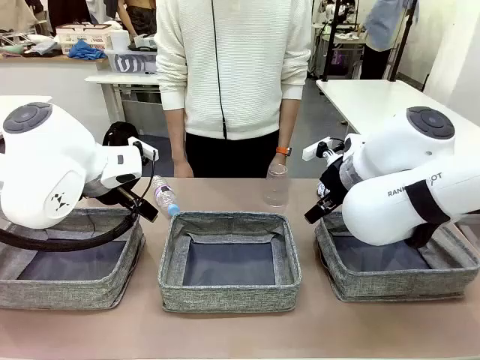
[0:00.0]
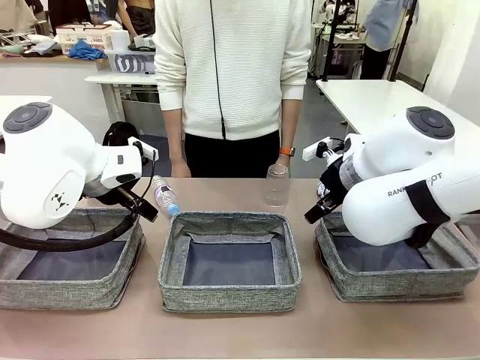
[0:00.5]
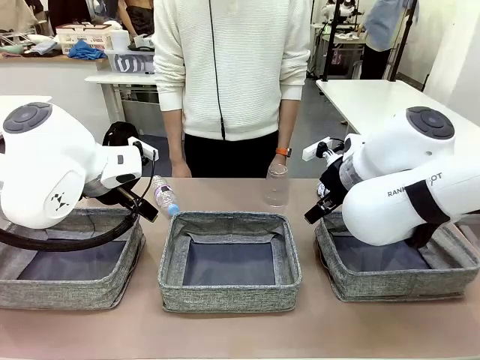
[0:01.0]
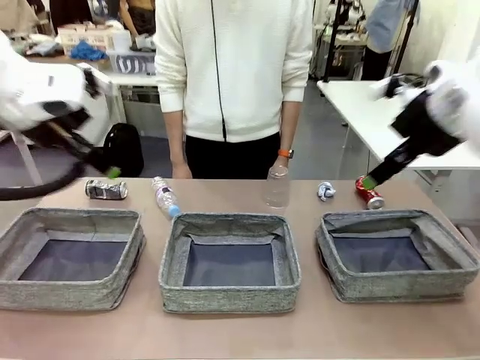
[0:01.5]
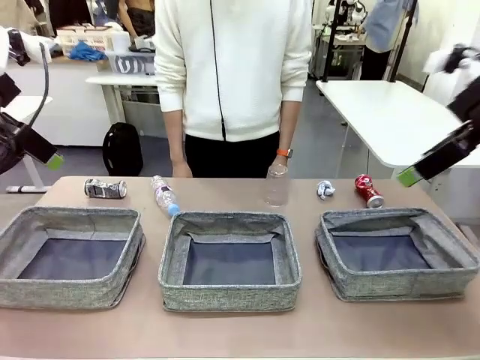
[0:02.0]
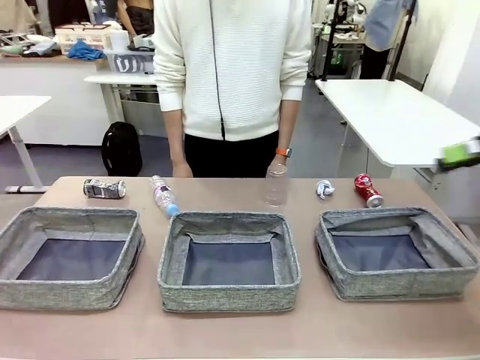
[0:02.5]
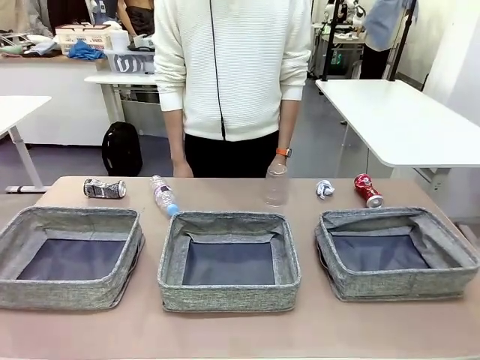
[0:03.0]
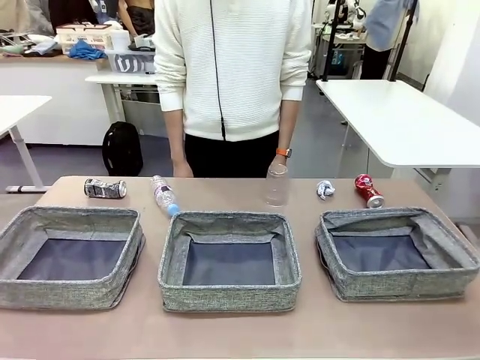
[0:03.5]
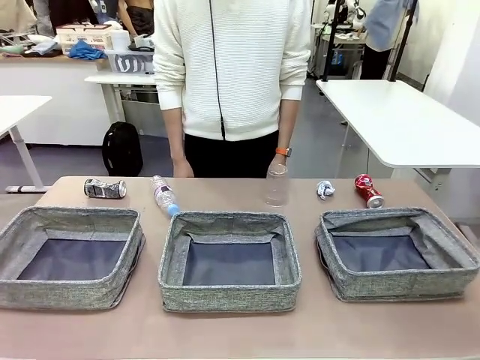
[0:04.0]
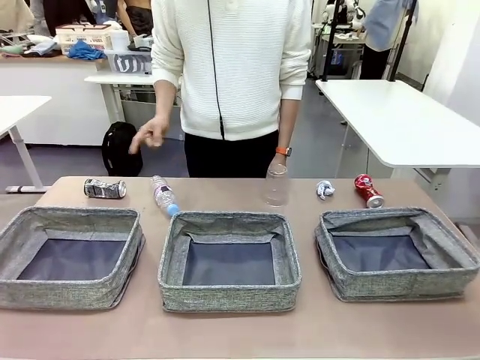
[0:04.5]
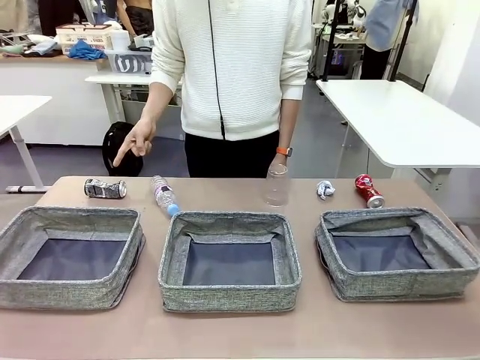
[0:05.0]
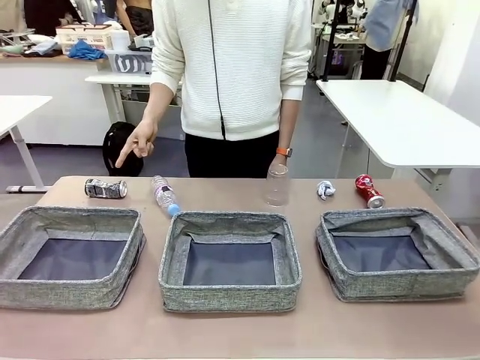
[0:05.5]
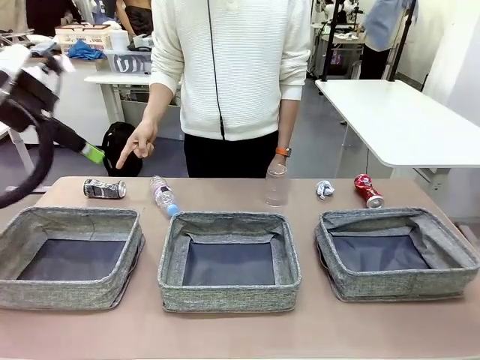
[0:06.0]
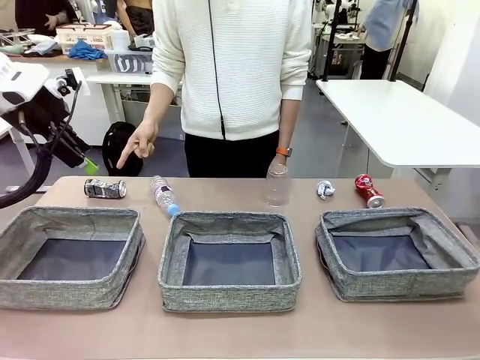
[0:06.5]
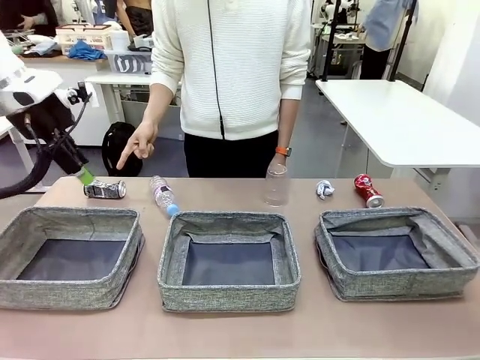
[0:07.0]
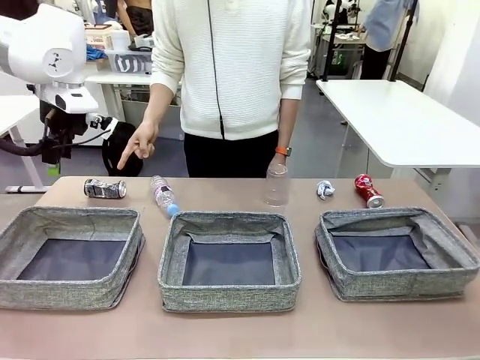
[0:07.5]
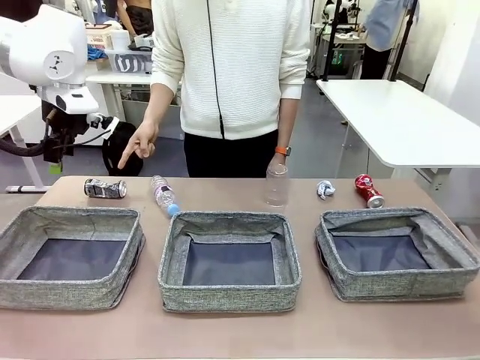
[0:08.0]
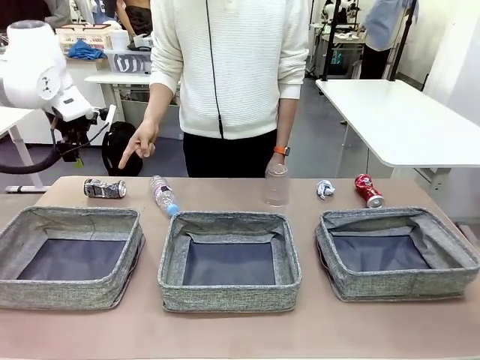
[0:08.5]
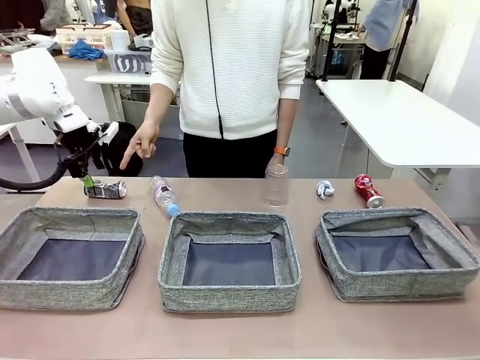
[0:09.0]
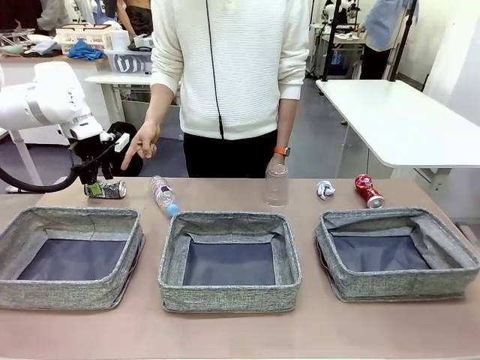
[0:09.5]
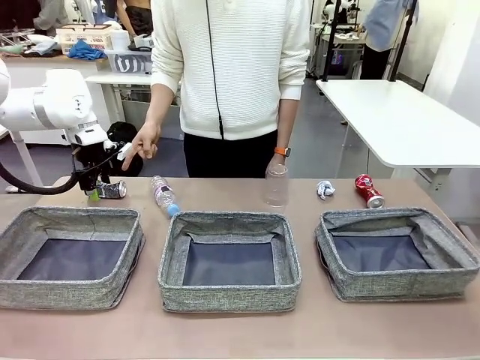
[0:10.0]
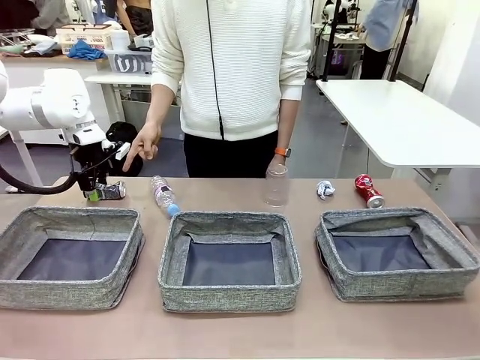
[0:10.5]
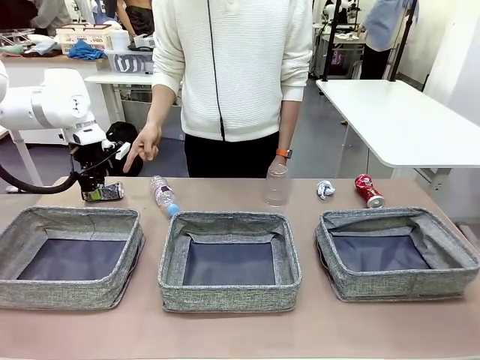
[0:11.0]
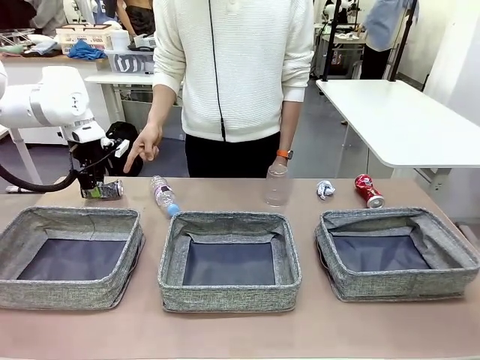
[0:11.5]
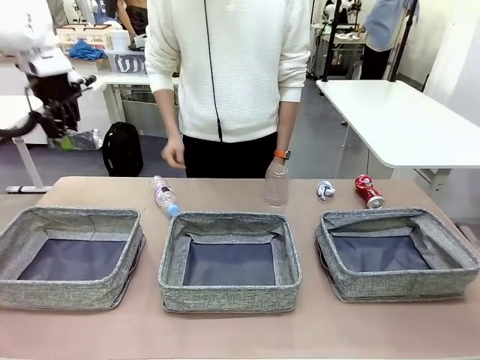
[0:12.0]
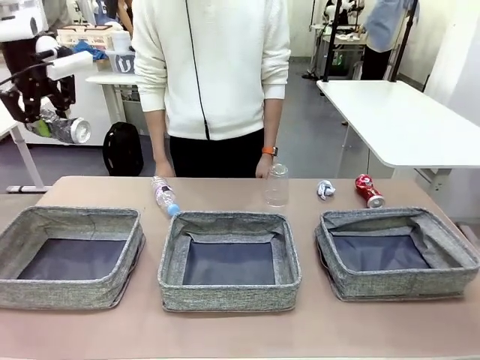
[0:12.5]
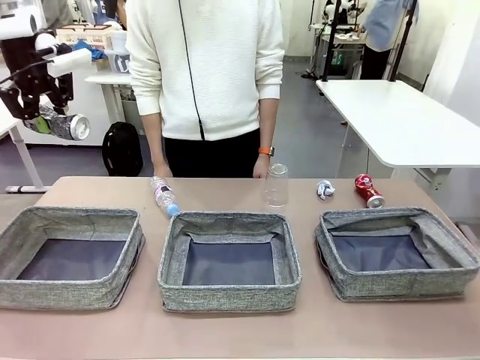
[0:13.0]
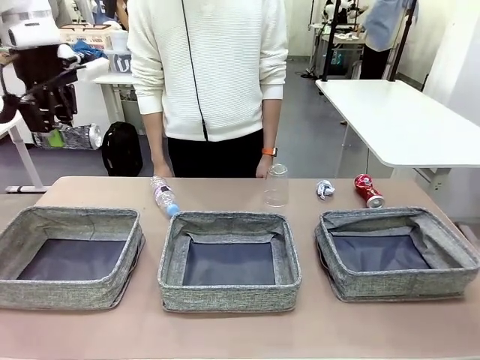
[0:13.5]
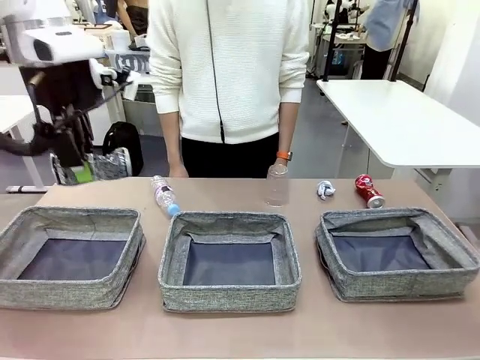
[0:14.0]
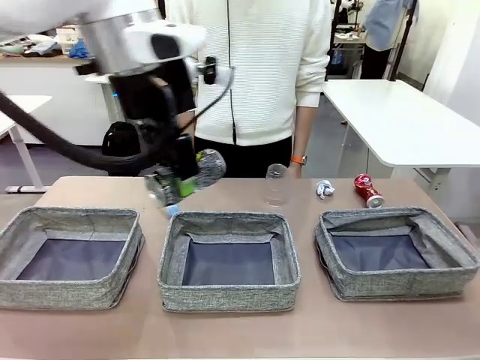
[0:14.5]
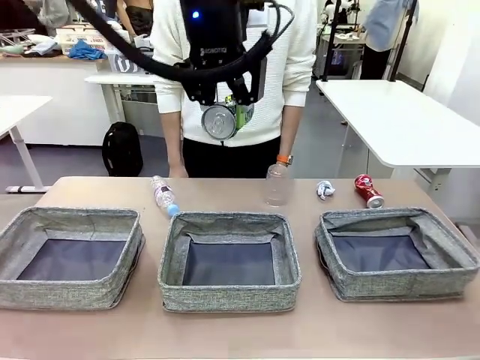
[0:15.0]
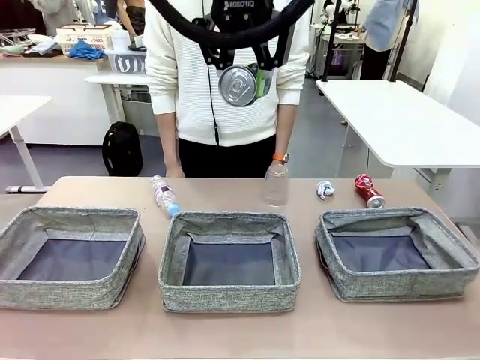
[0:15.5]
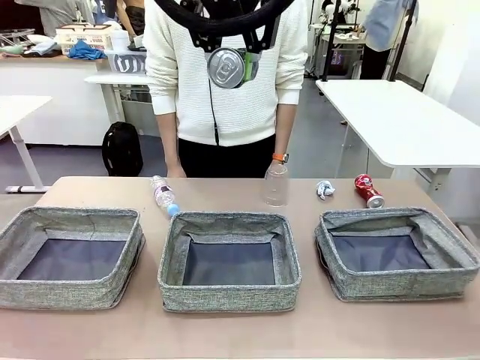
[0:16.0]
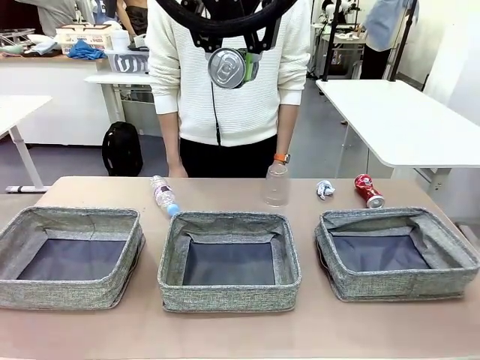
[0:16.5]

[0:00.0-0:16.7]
Task: Sort the waste into the appropriate baskets.
Robot: Pick up the waste item pointed out by the person.
Person: Points to one piece of trash on the table.

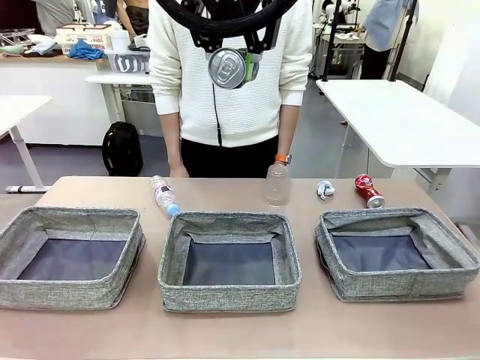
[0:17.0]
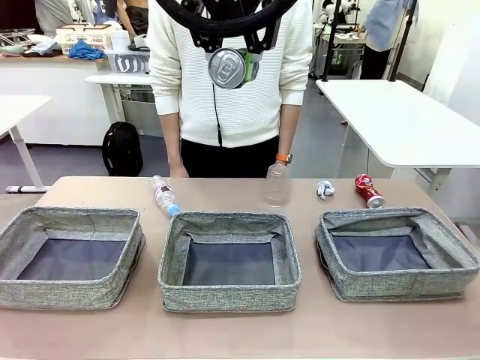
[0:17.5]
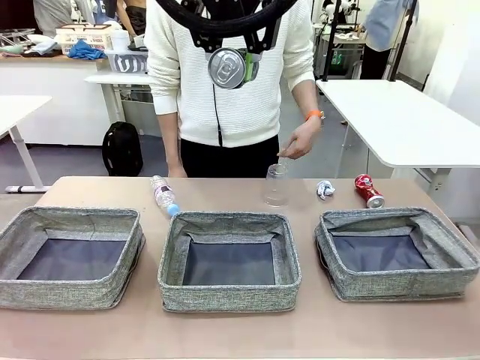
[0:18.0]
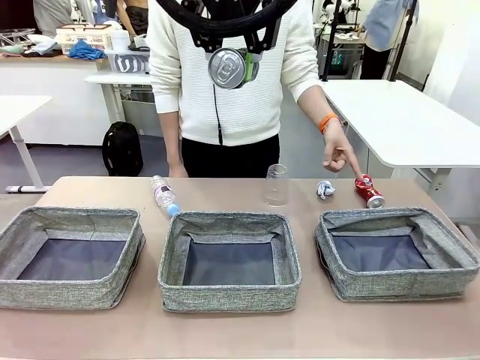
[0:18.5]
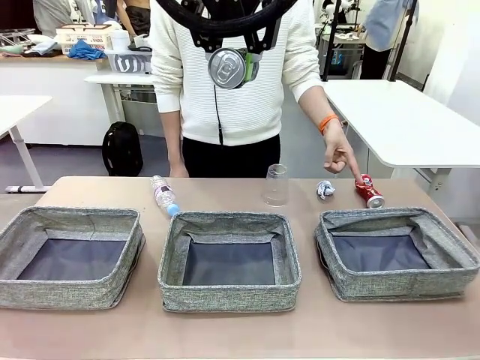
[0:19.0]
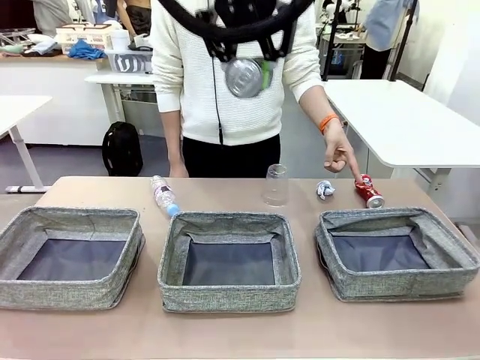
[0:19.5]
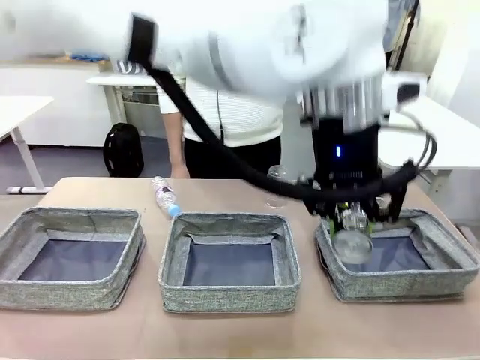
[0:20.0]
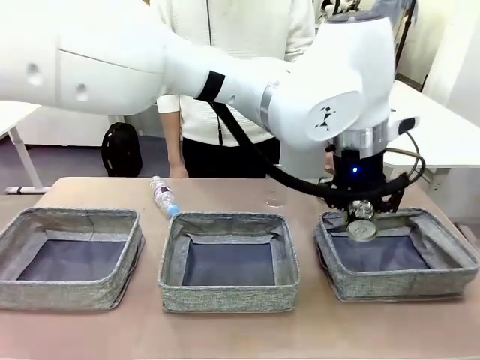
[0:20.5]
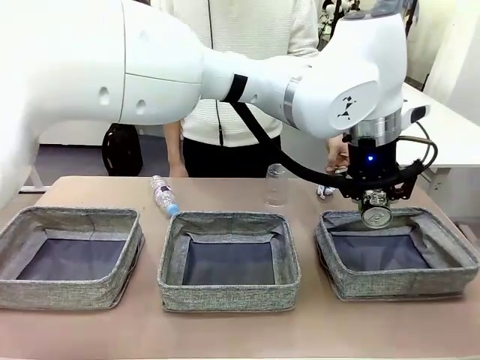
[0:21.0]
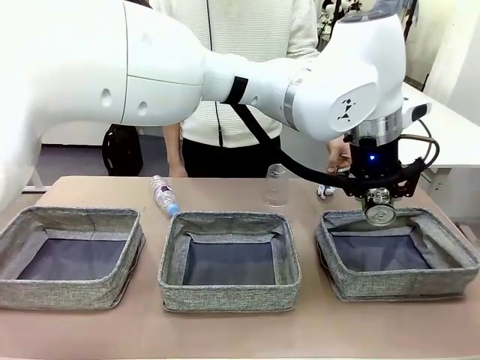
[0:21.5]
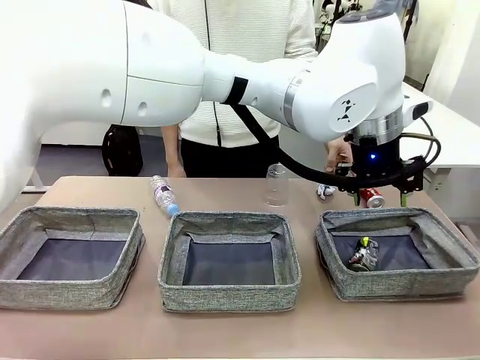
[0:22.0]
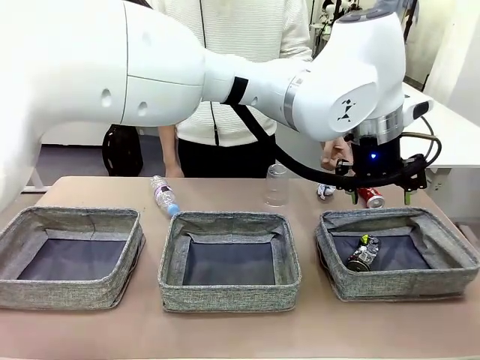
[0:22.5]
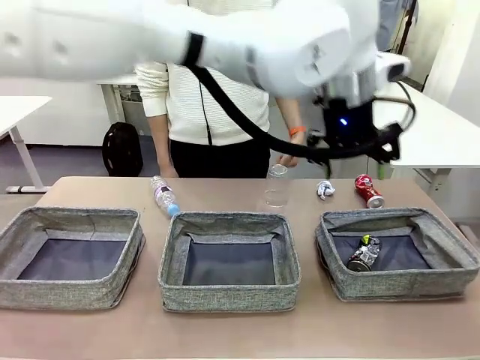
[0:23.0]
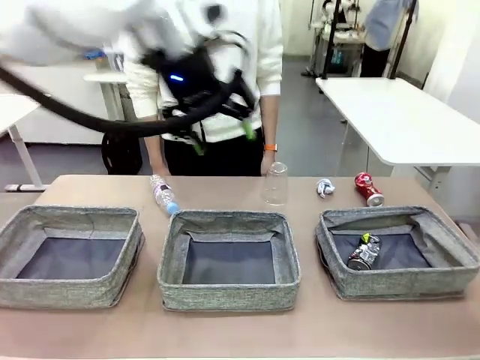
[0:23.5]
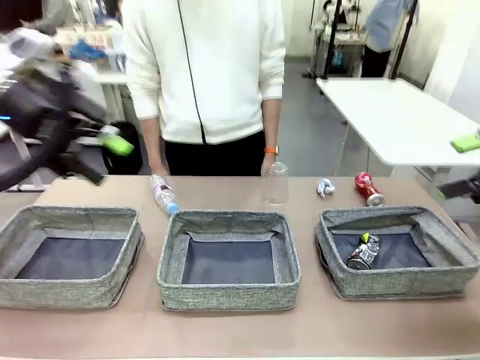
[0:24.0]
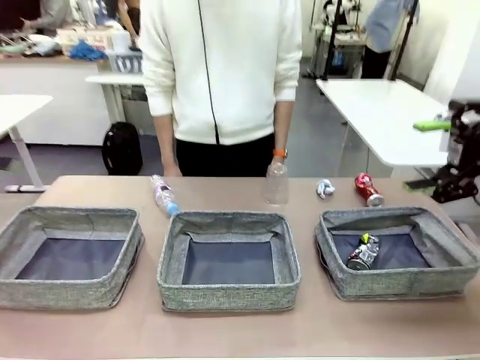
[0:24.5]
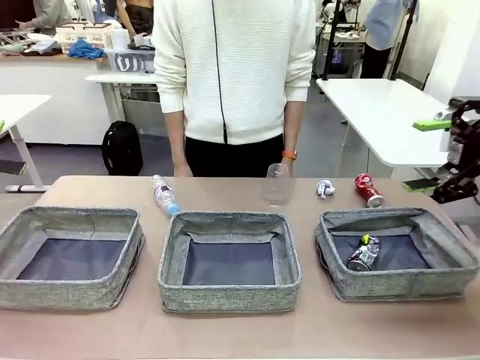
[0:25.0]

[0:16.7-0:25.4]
Robot: Place the picked waste into the Fabric basket indicated by the person.
Person: Instructs the robot to place the picked-up trash into the appropriate organizing basket.
